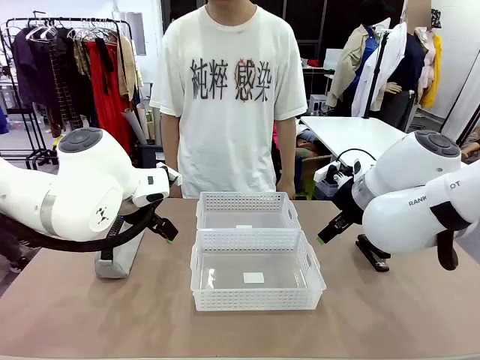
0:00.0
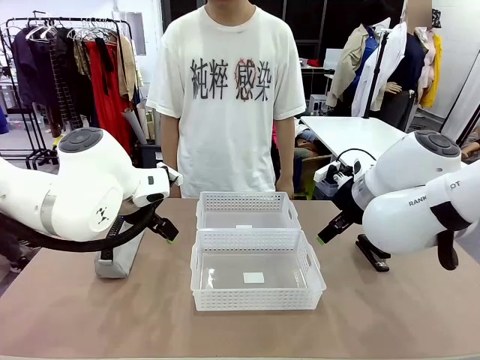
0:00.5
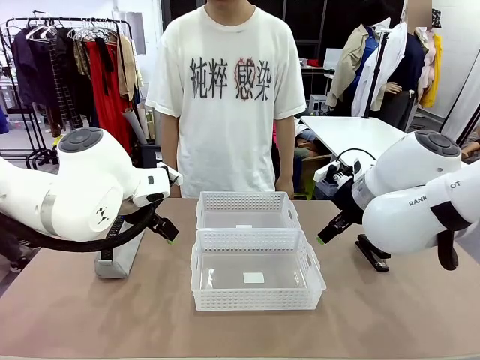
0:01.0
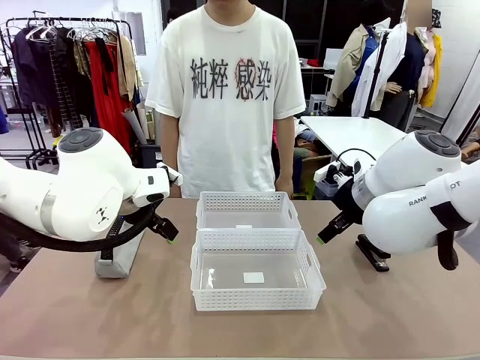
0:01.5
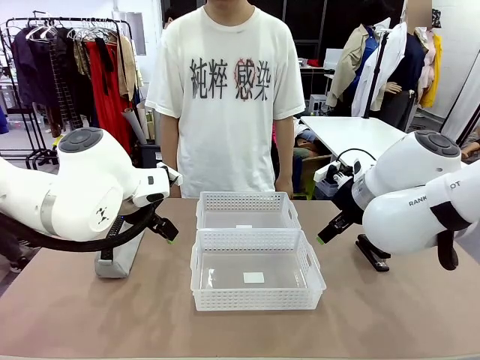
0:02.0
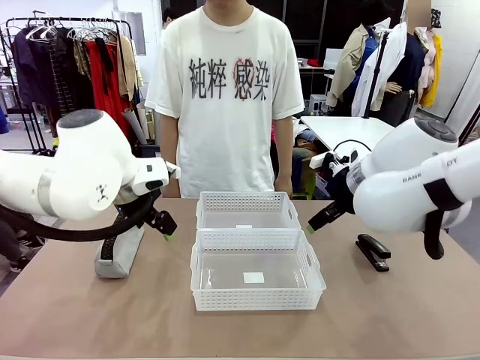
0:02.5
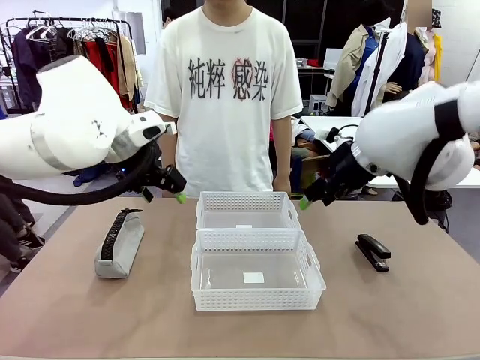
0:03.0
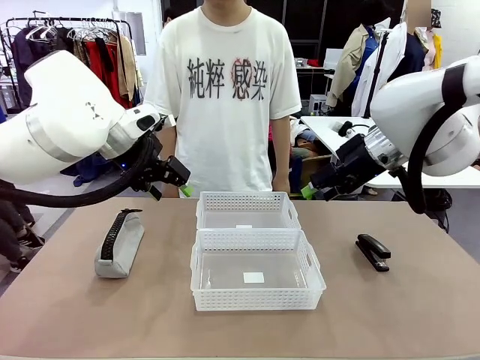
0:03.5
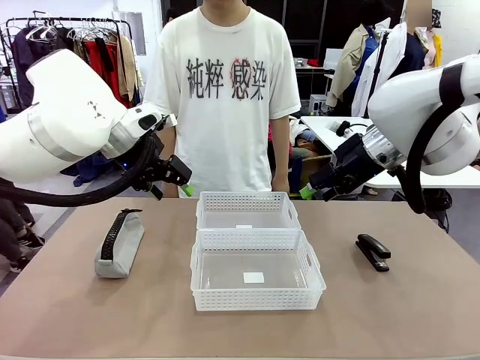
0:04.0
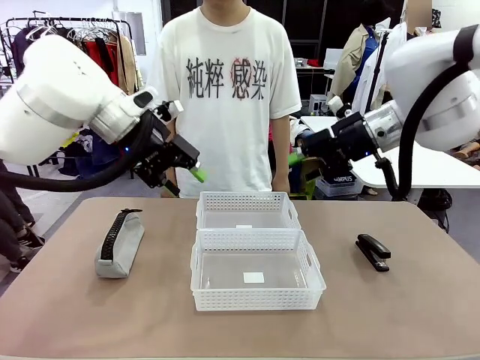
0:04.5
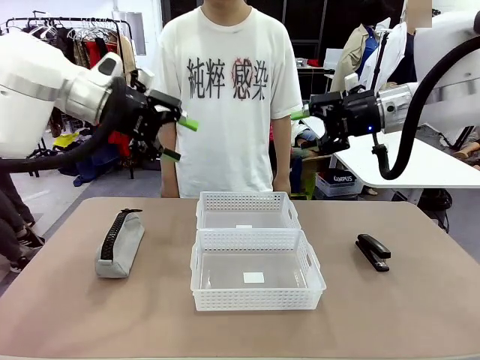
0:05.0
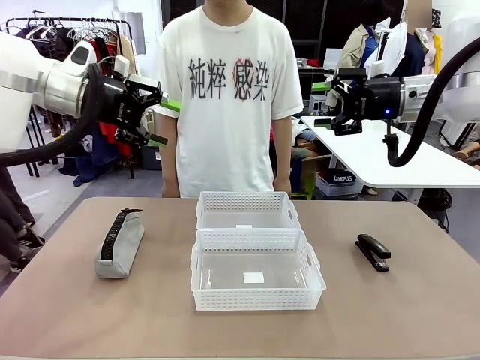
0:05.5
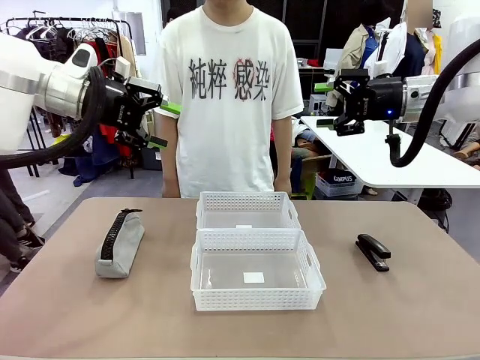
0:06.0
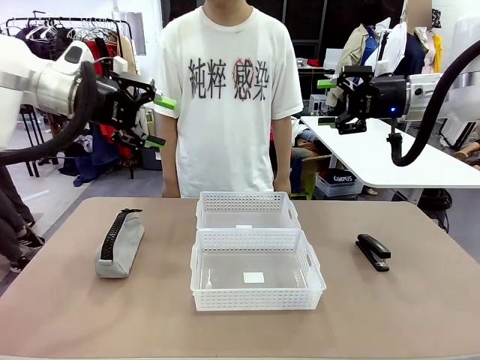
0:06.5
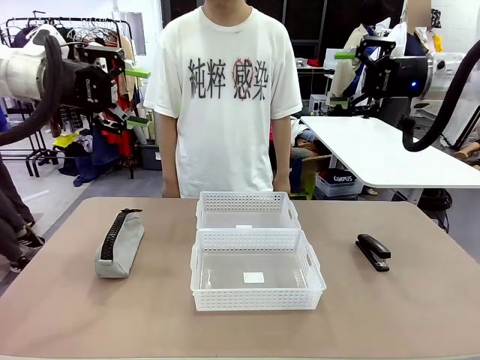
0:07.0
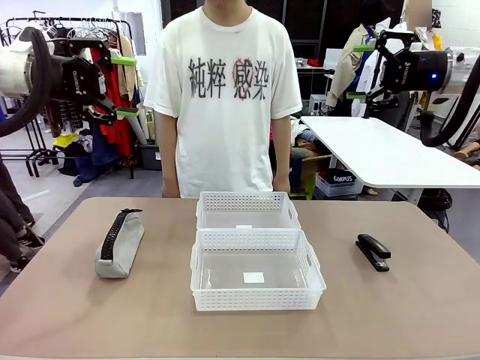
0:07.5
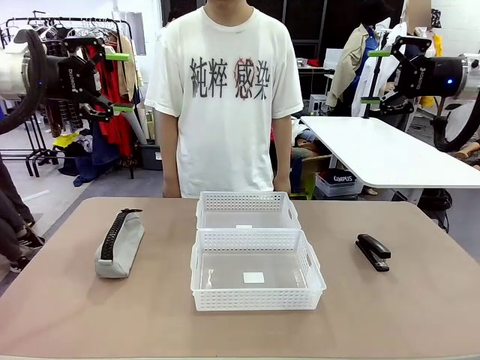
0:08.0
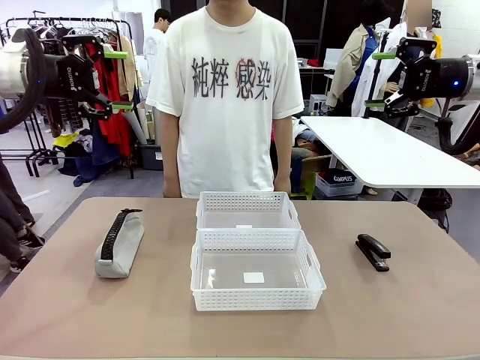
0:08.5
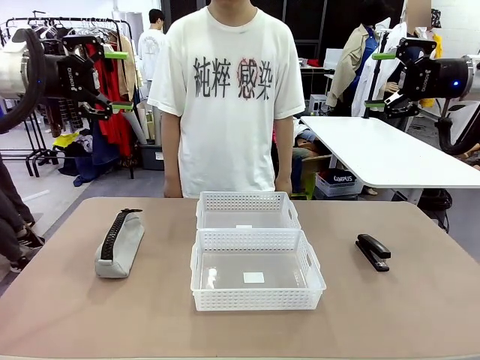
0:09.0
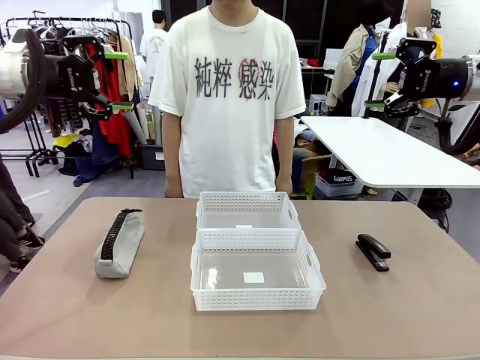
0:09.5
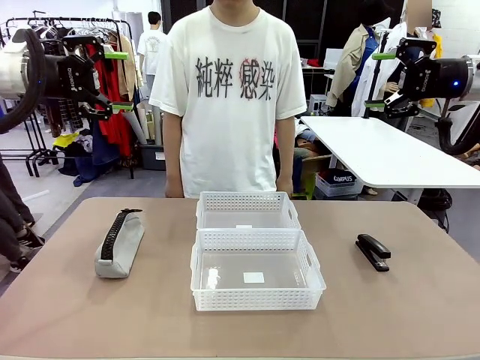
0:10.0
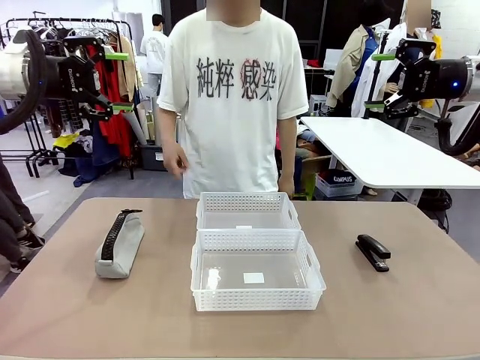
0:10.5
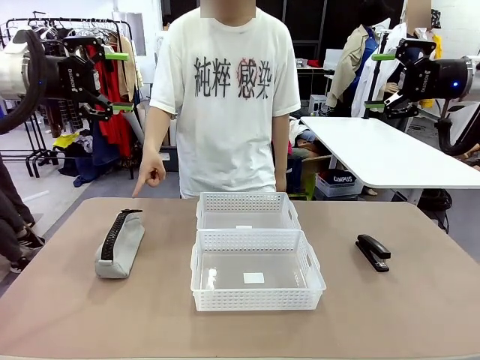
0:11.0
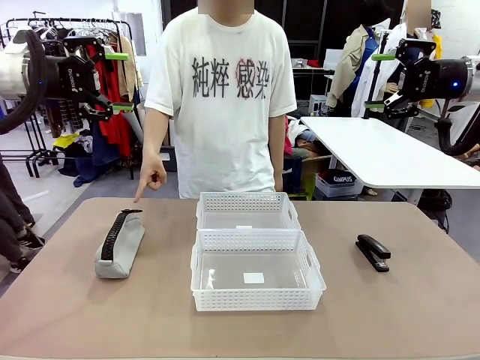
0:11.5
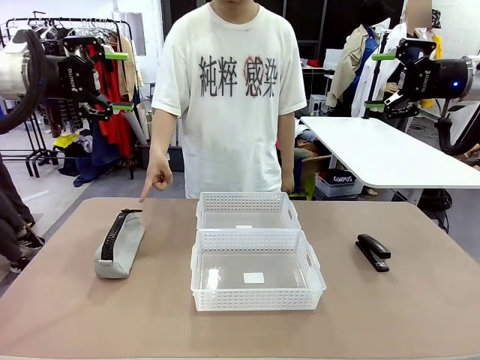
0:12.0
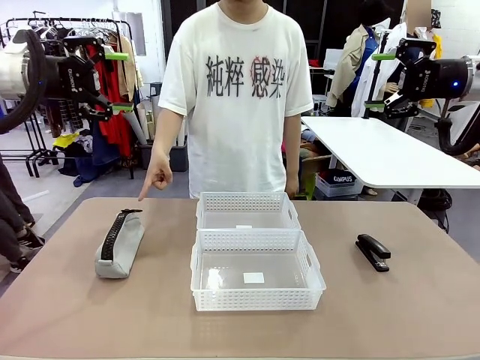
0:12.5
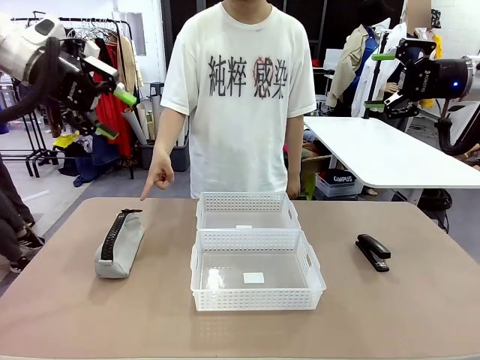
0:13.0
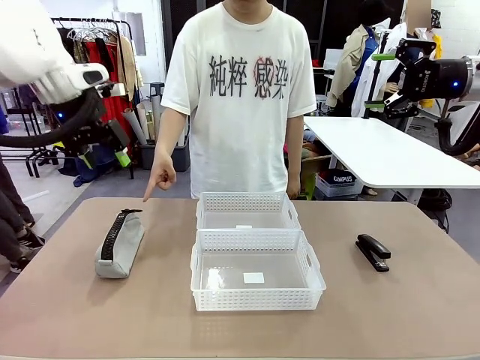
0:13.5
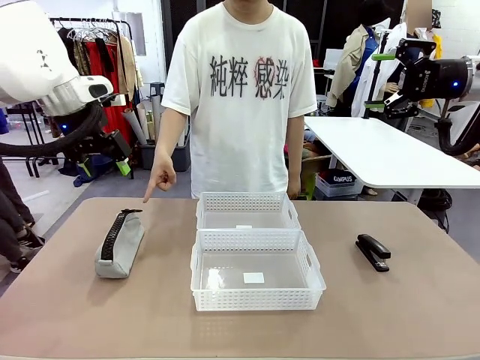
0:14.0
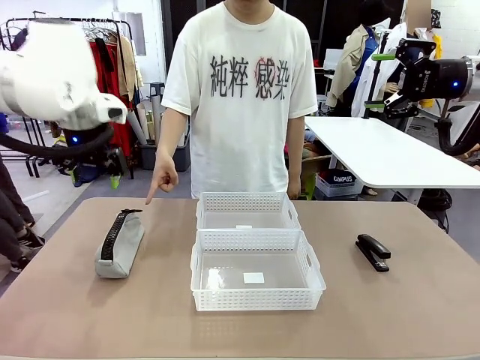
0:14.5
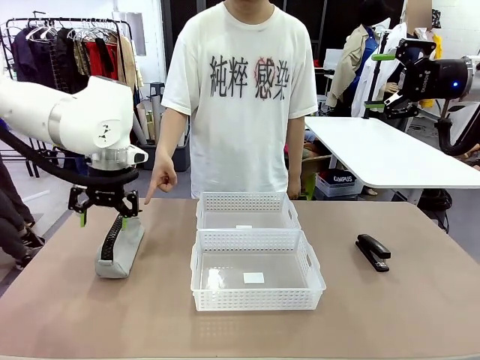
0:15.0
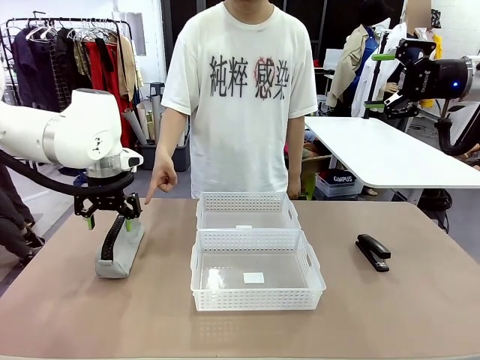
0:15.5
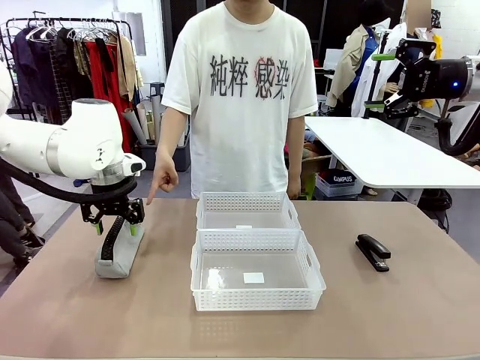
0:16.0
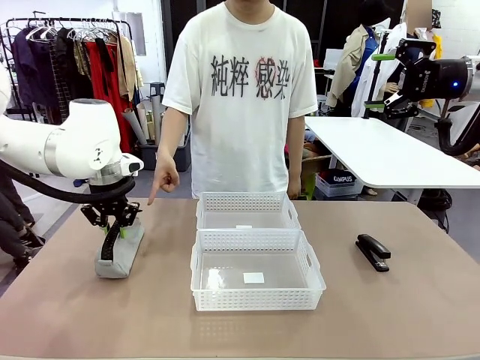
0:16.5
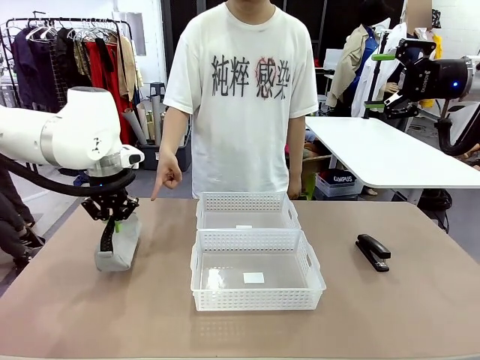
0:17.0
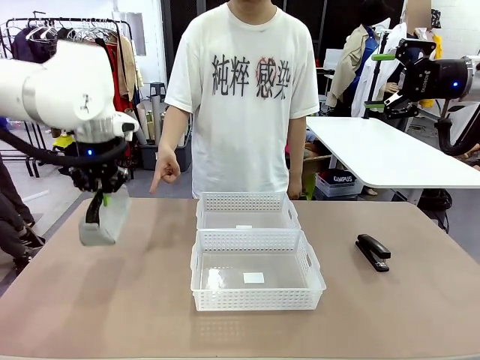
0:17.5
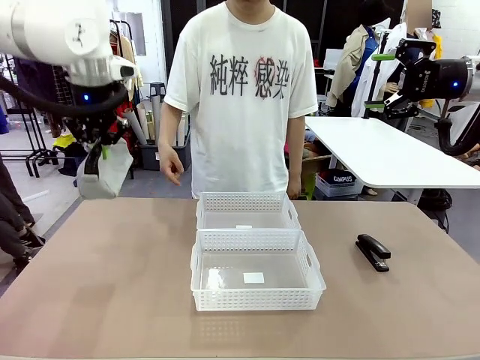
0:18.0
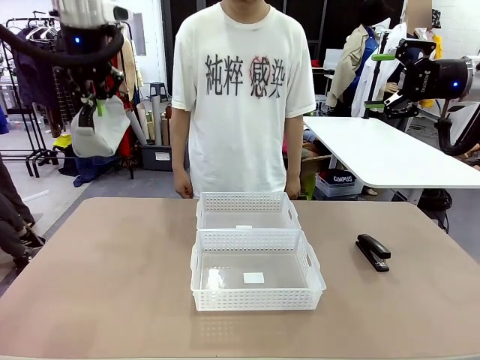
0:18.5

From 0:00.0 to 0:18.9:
Task: Distribute items into two baskets.
Robot: Pick up the Pencil pouch that the person points to.
Person: Points to the pencil case. Points between the two organizing baskets and instructs the robot to move the pencil case.

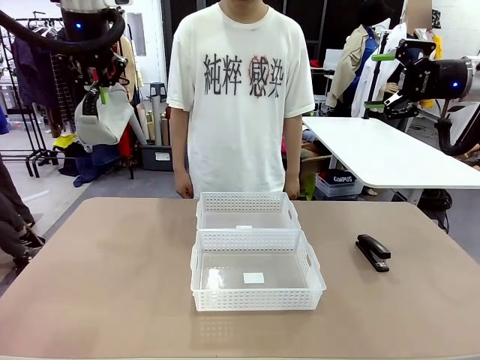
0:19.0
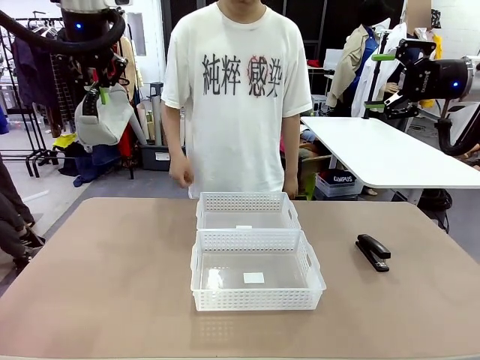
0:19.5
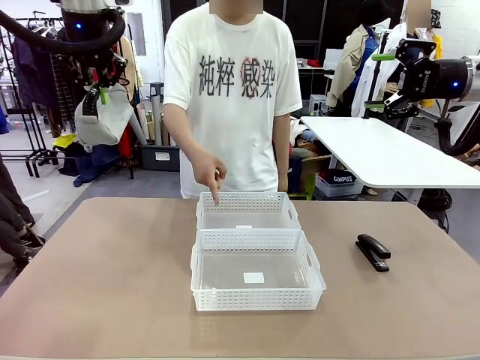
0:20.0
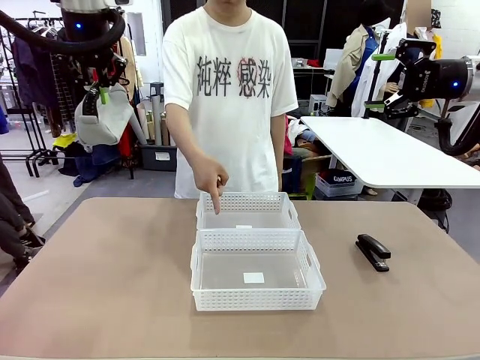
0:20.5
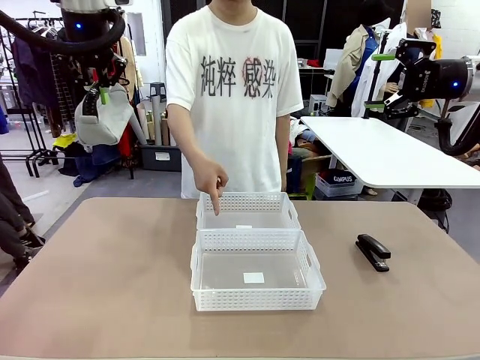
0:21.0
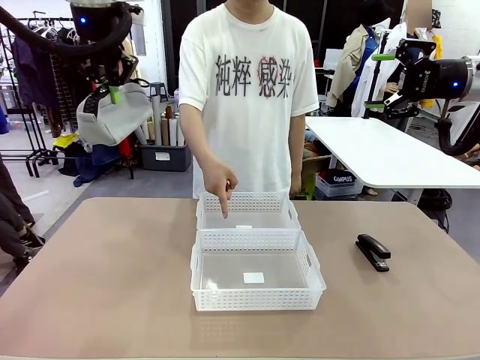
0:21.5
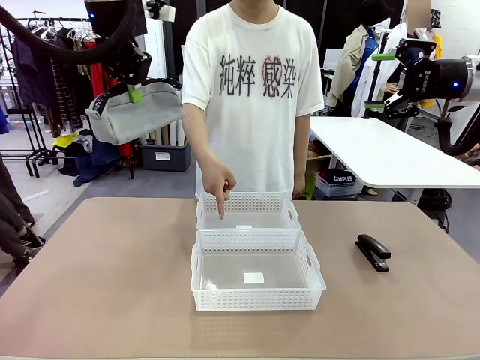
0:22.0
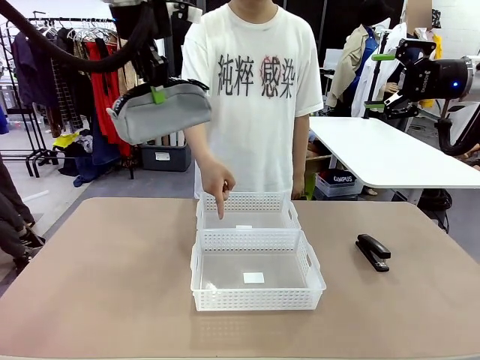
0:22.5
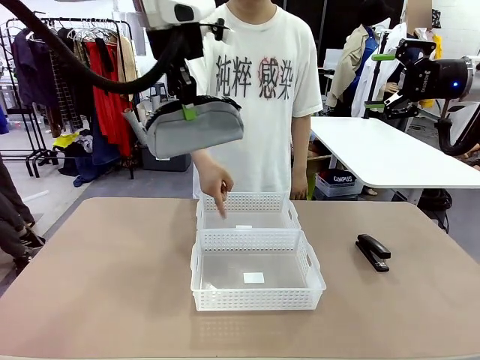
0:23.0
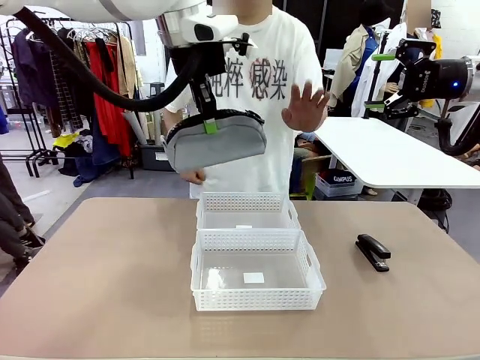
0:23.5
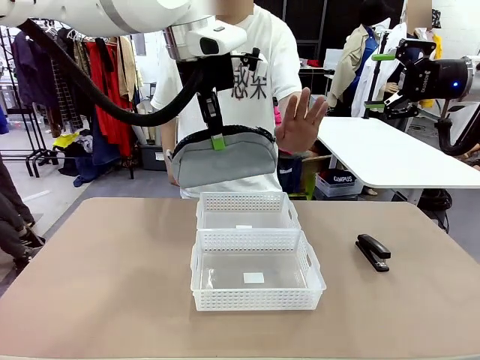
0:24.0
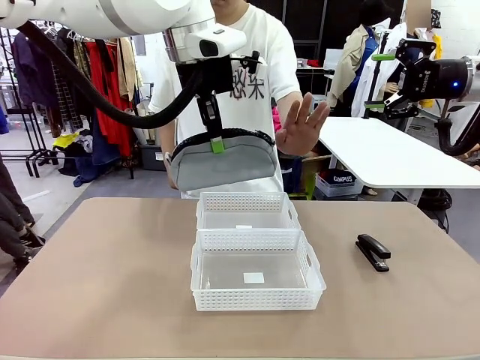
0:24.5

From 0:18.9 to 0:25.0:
Robot: Move the picked Pencil pouch towards the Organizing basket indicated by the person, stopping as directed.
Person: Sends a stop gesture before the robot places the pencil case into the basket.
